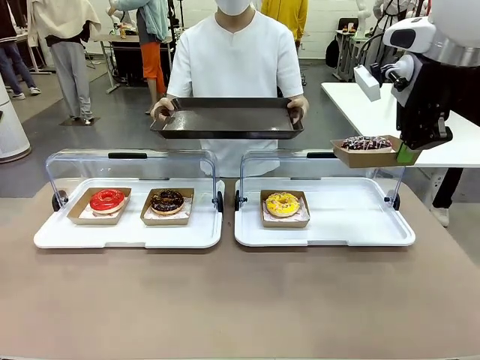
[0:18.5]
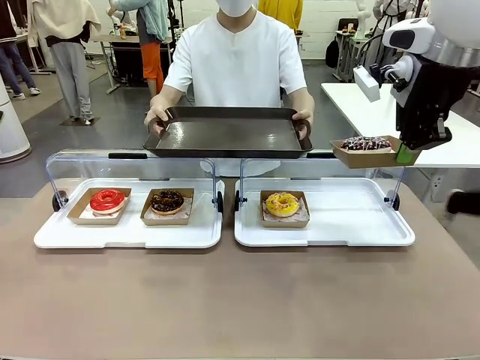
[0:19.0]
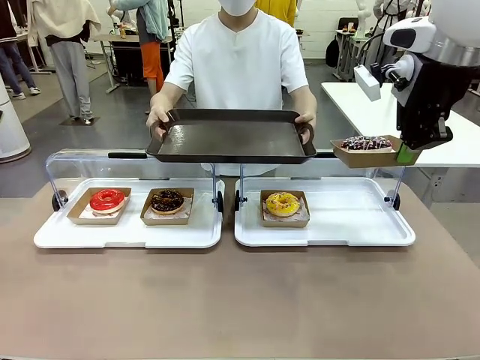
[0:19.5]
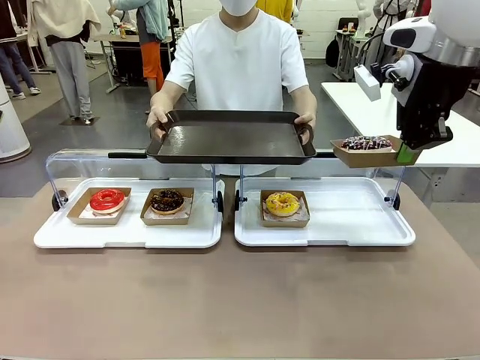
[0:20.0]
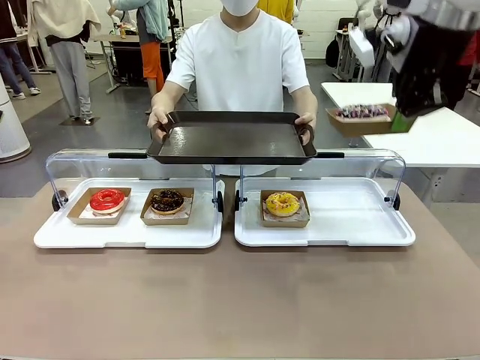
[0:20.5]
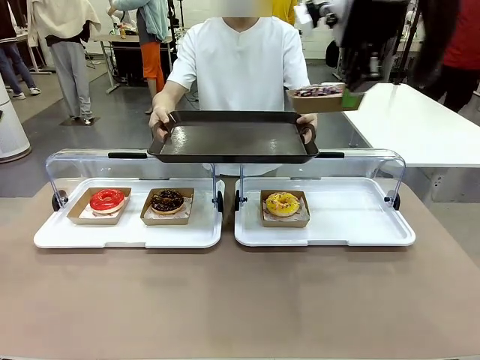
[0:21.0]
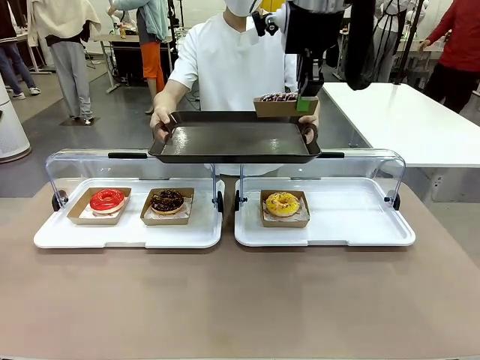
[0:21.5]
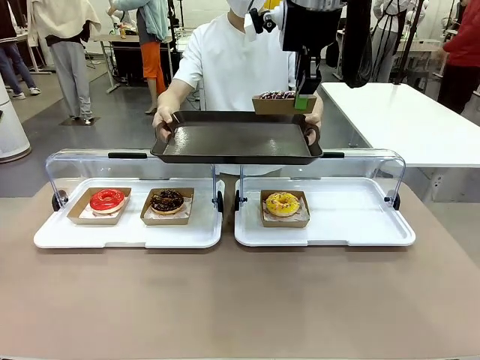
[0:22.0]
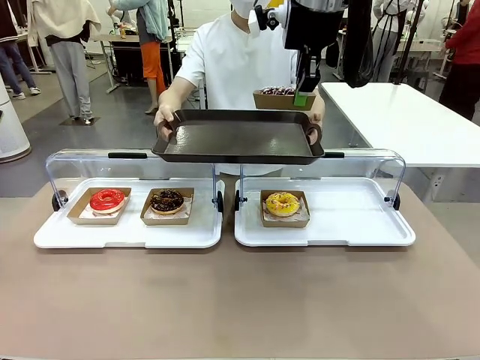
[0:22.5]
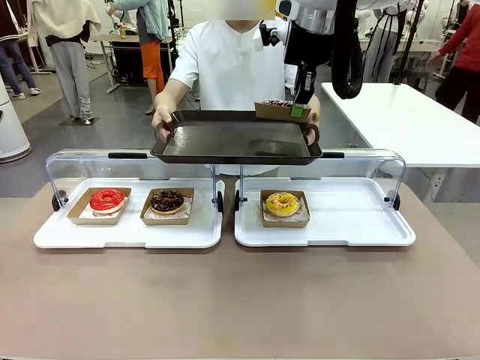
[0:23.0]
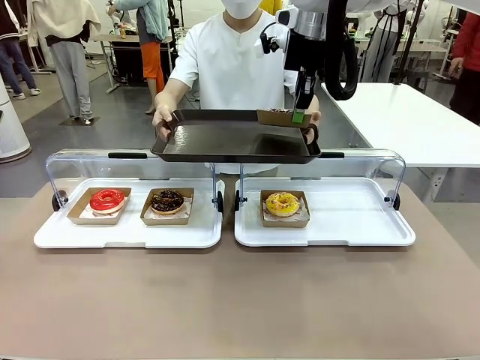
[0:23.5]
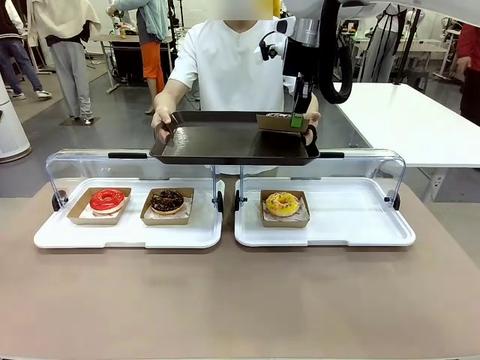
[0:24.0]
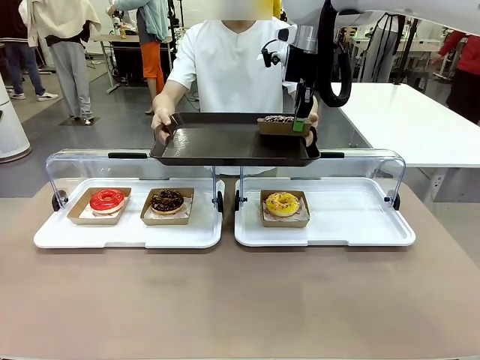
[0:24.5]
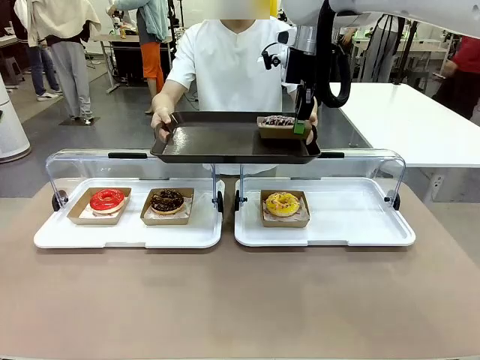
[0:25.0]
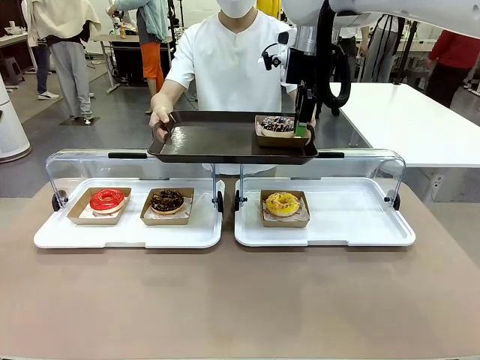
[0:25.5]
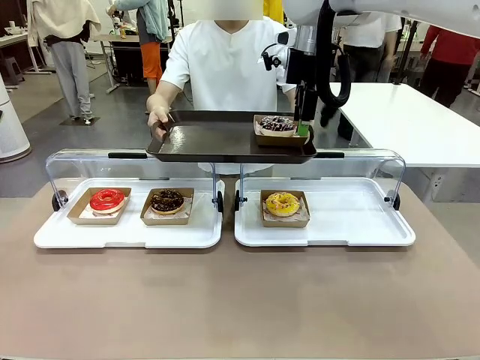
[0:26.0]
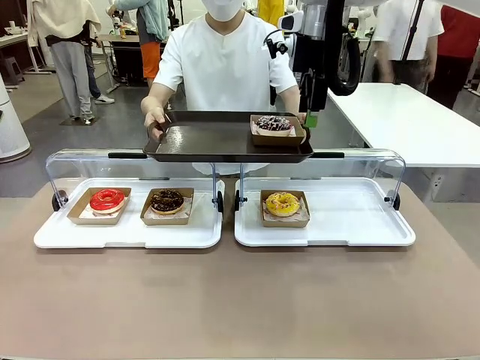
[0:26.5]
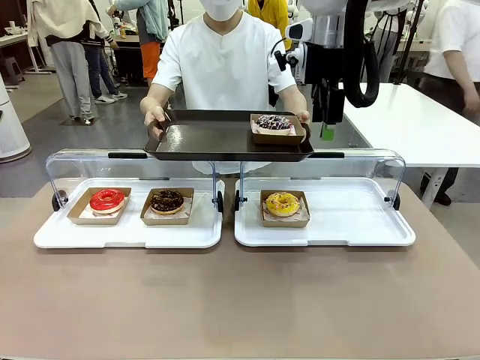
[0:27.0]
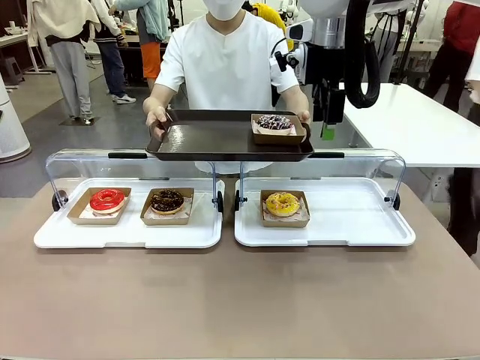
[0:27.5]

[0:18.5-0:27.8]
Task: Provide the desired donut to the person.
Robot: Place the picked Paper togo box onto the Handle tray extended by the person.

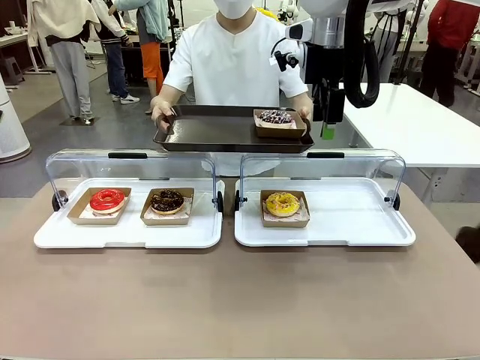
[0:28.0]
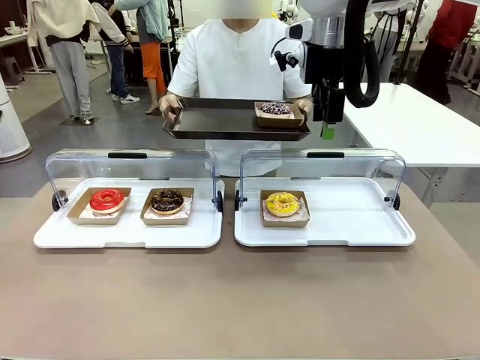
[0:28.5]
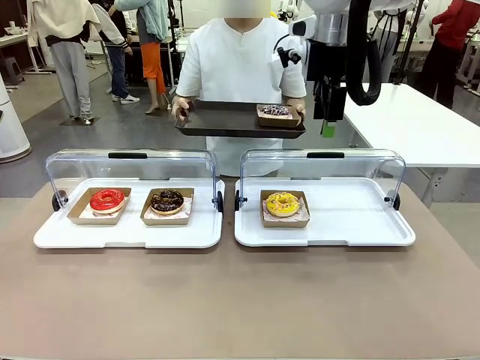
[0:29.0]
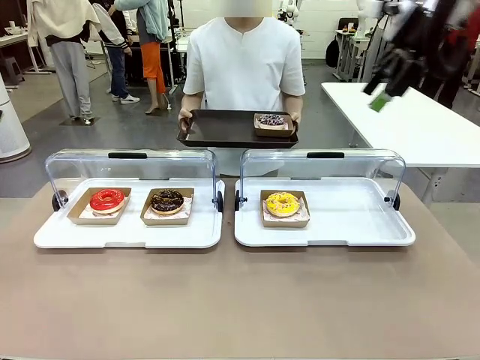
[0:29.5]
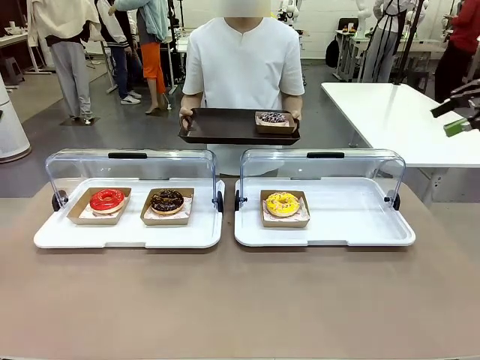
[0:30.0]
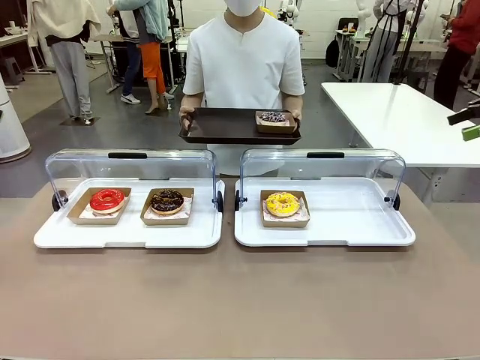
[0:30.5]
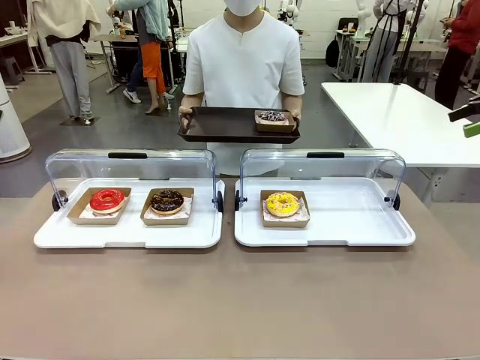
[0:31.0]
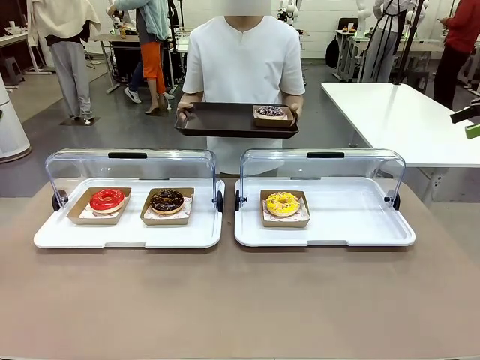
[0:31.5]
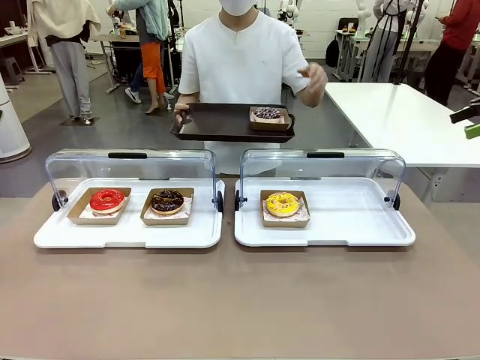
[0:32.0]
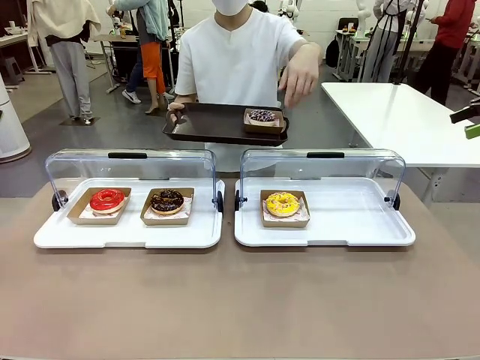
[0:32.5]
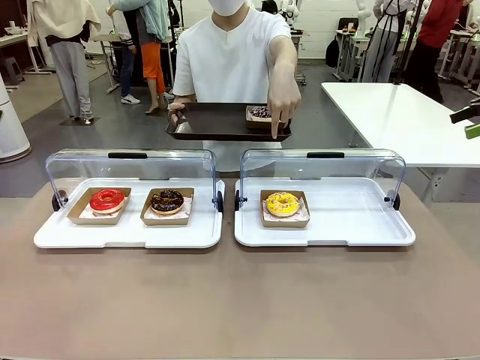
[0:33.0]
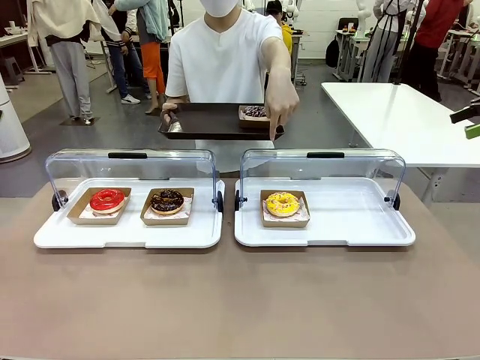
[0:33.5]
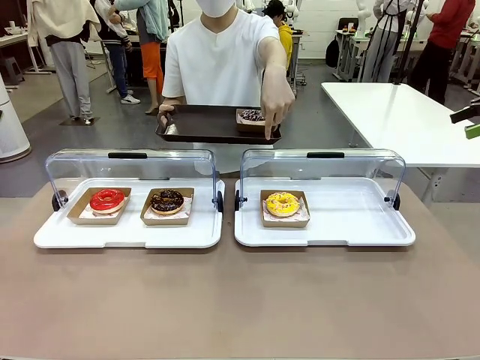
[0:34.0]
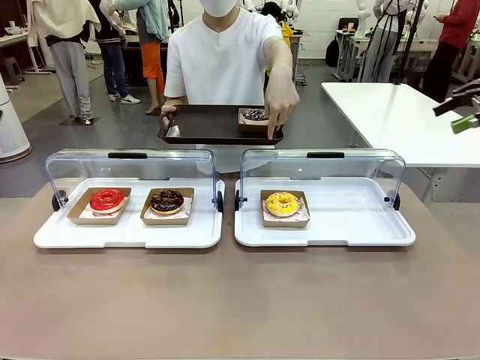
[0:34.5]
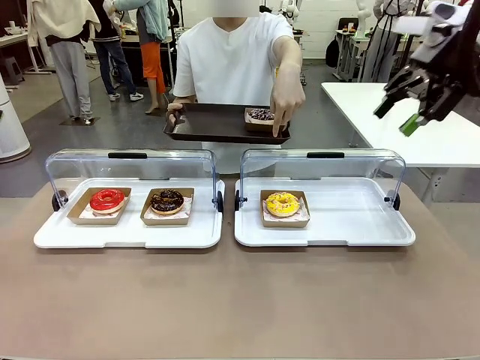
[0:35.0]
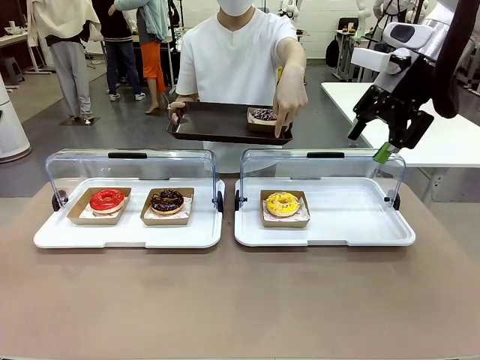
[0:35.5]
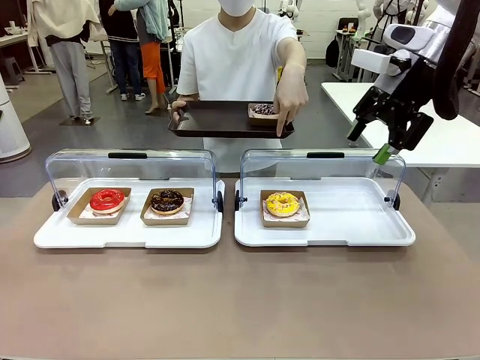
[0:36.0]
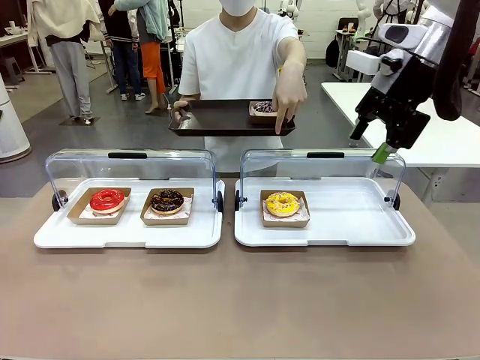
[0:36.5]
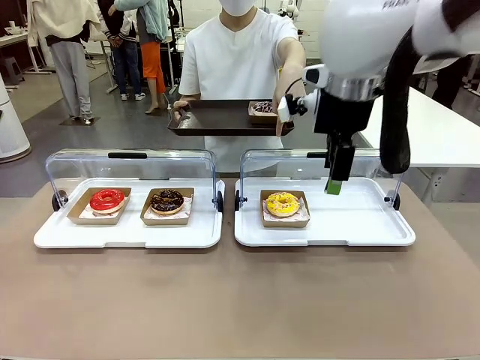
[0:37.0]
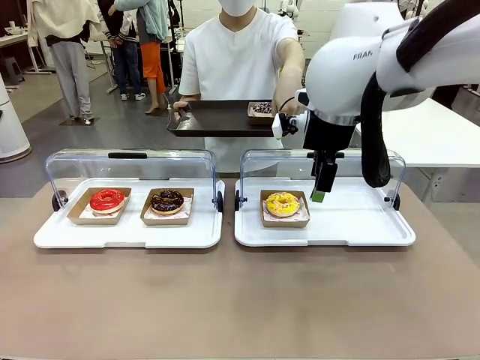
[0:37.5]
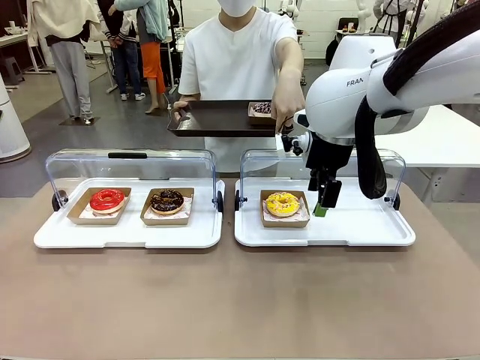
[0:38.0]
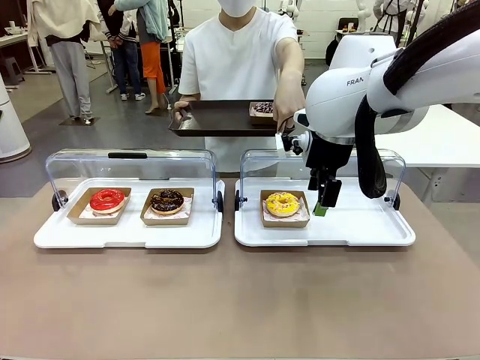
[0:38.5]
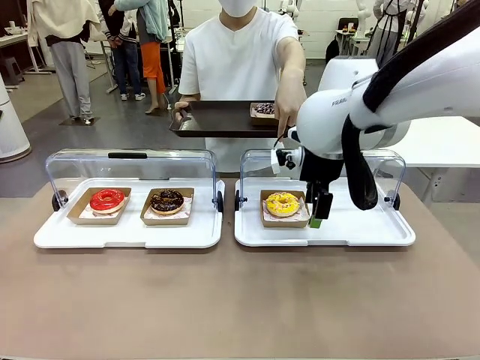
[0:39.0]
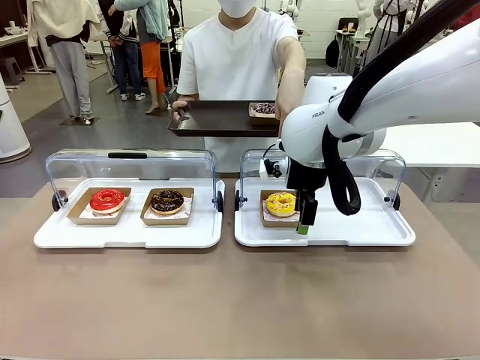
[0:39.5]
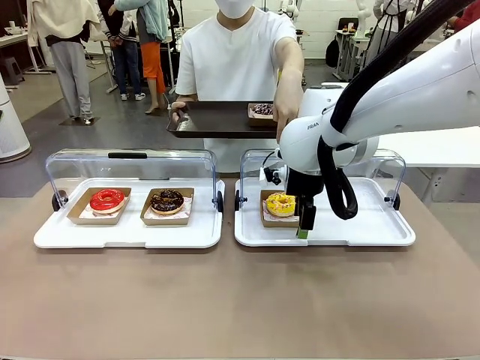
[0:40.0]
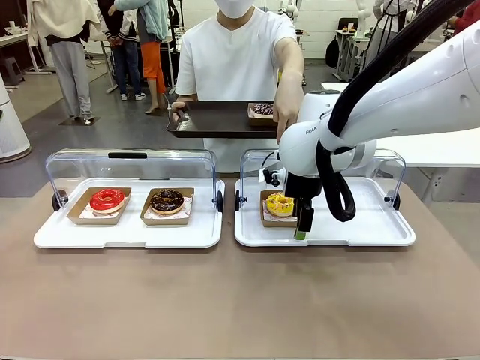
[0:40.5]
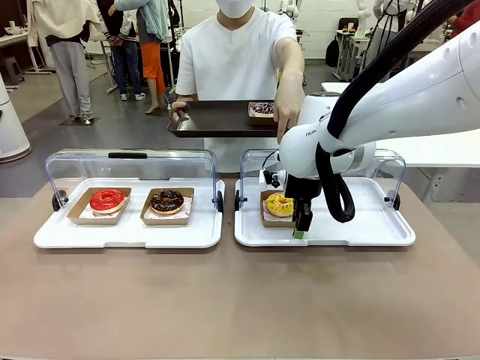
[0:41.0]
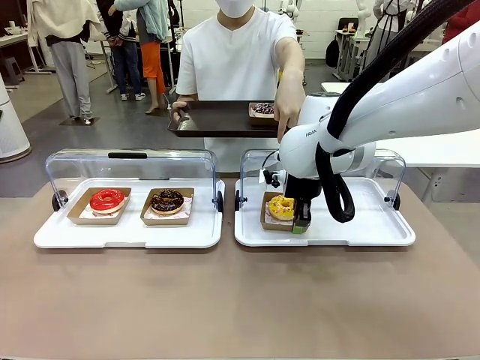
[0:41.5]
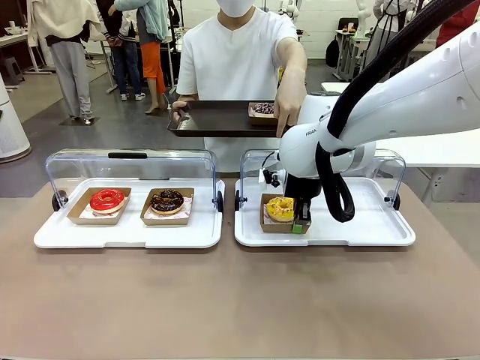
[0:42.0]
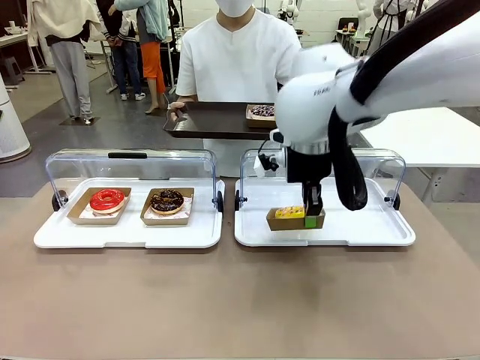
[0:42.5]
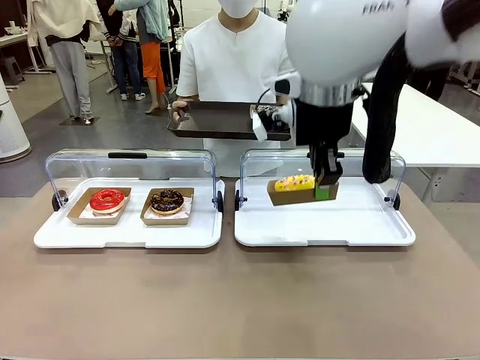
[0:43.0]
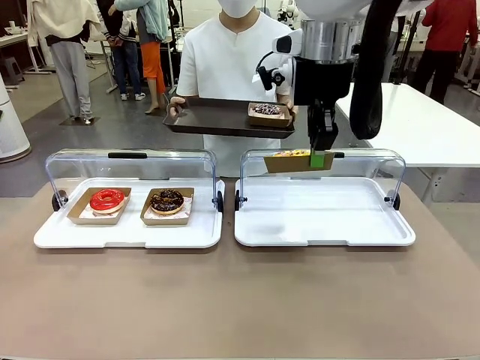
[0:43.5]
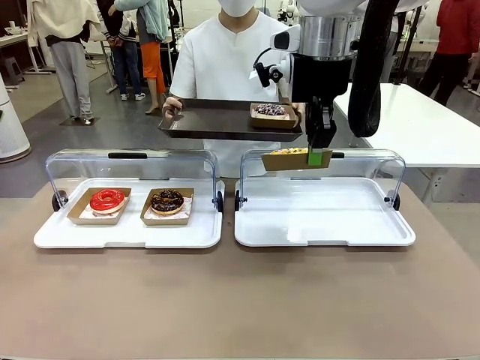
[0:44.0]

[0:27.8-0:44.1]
Robot: Pick up and lift the Paper togo box containing the Donut pointed at by the person.
Person: Point to one donut. Lift the tray onto the Roll-Top Bakery Case.
